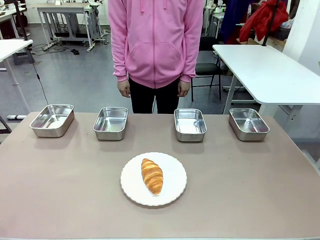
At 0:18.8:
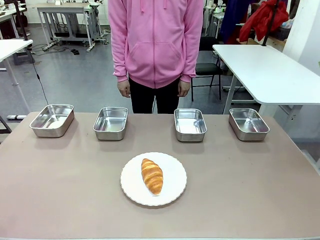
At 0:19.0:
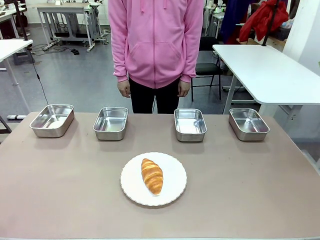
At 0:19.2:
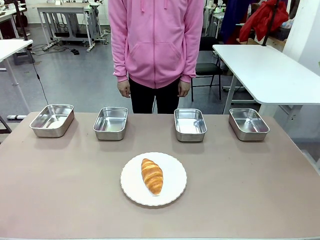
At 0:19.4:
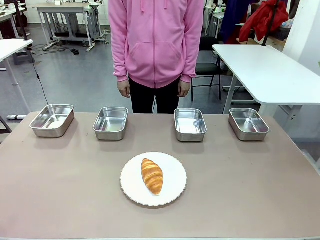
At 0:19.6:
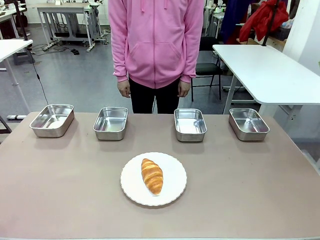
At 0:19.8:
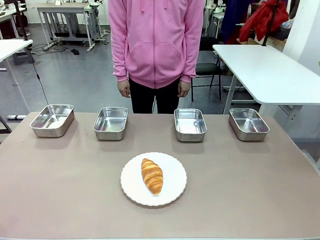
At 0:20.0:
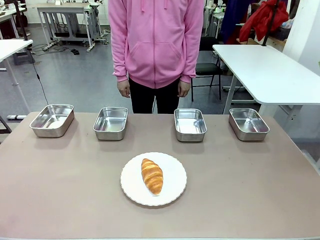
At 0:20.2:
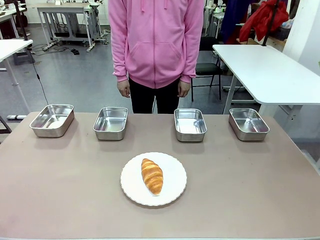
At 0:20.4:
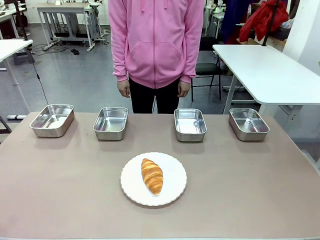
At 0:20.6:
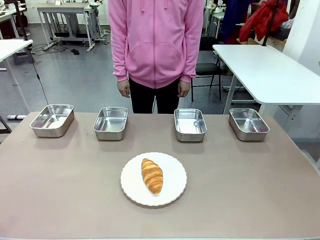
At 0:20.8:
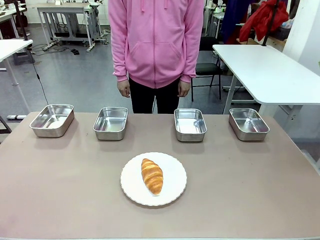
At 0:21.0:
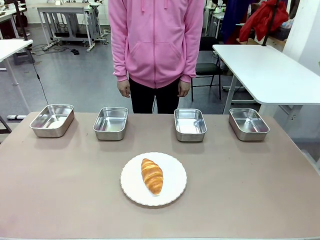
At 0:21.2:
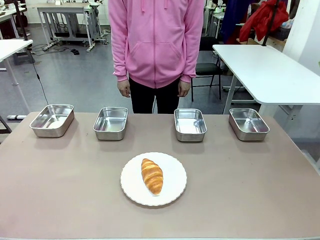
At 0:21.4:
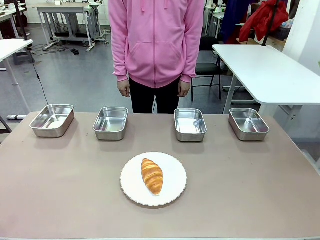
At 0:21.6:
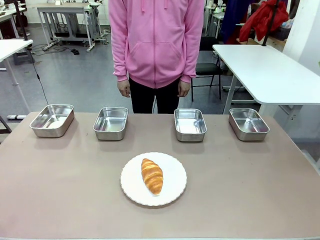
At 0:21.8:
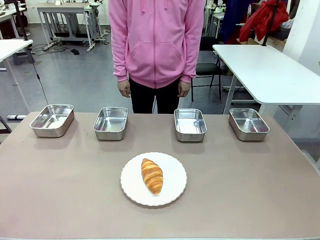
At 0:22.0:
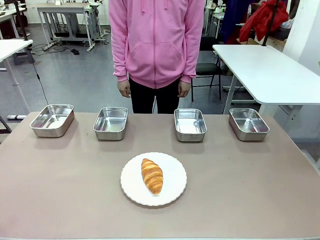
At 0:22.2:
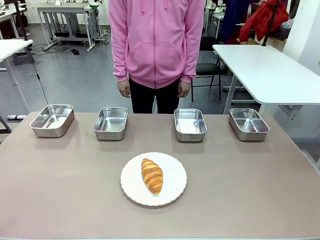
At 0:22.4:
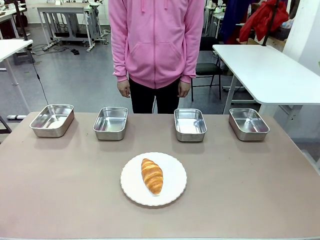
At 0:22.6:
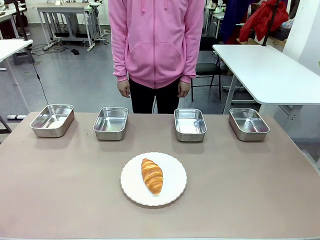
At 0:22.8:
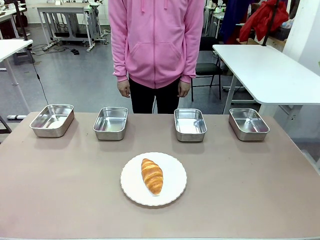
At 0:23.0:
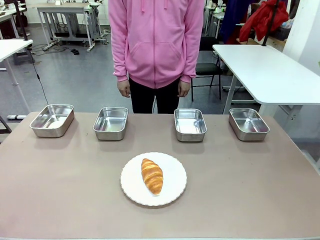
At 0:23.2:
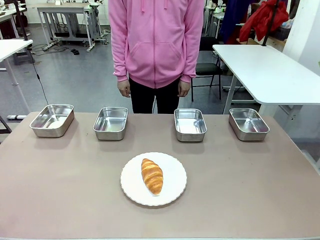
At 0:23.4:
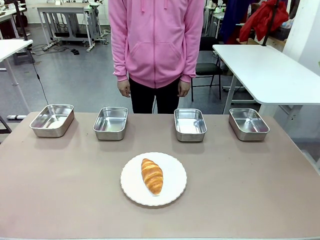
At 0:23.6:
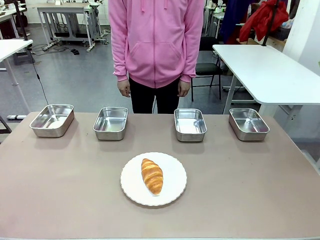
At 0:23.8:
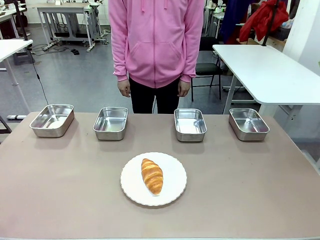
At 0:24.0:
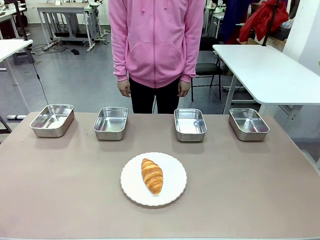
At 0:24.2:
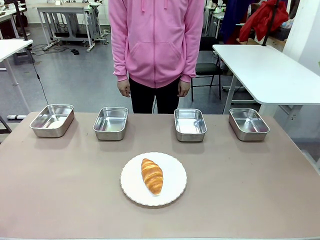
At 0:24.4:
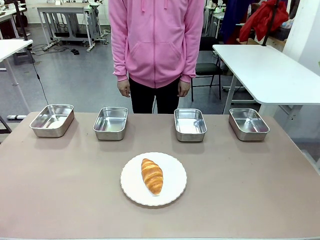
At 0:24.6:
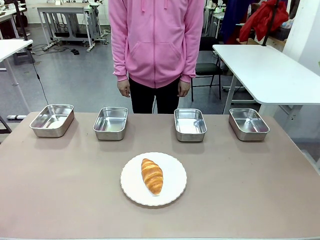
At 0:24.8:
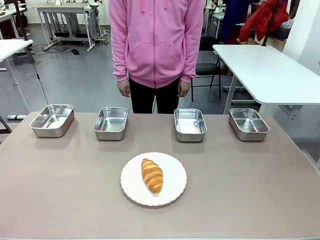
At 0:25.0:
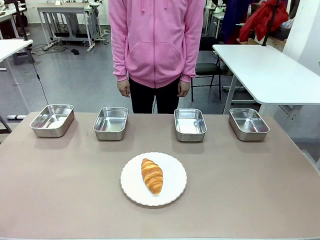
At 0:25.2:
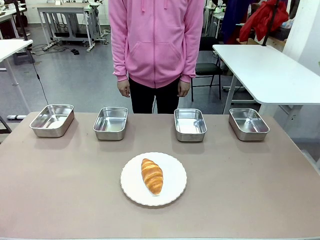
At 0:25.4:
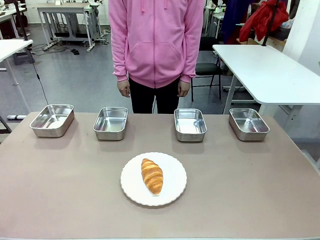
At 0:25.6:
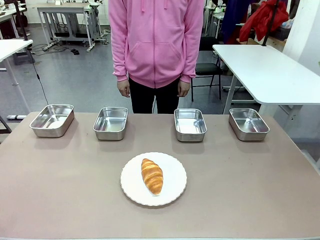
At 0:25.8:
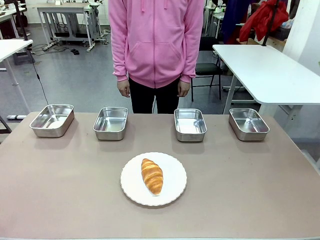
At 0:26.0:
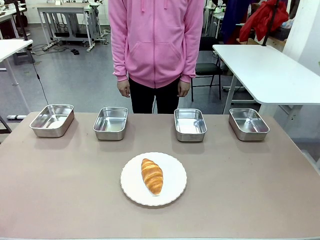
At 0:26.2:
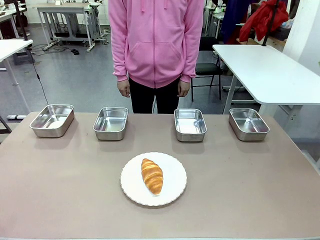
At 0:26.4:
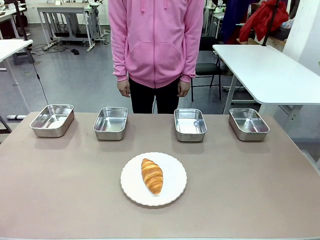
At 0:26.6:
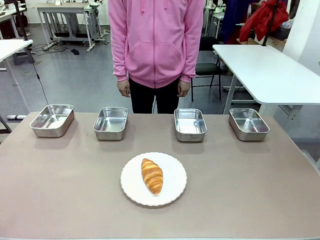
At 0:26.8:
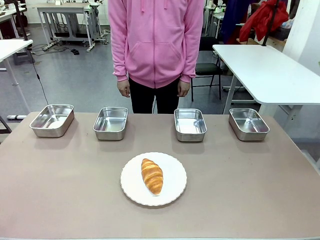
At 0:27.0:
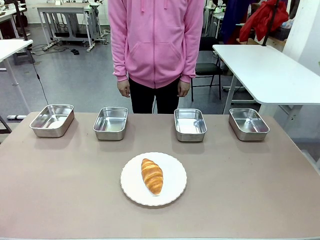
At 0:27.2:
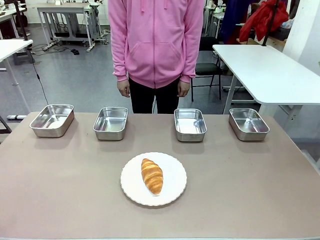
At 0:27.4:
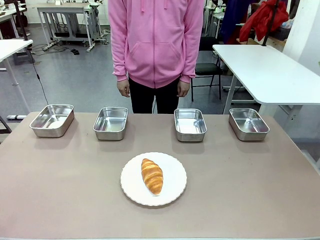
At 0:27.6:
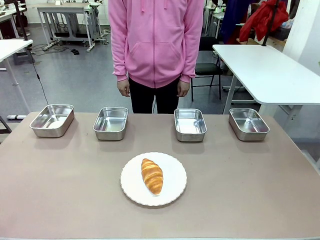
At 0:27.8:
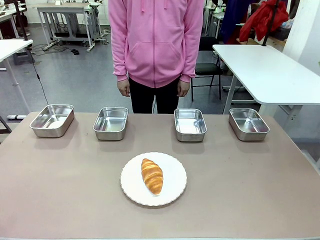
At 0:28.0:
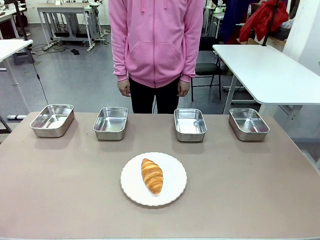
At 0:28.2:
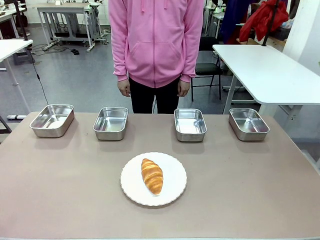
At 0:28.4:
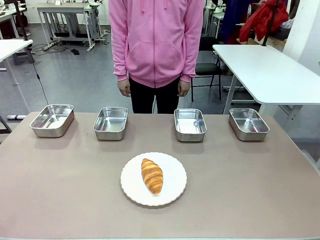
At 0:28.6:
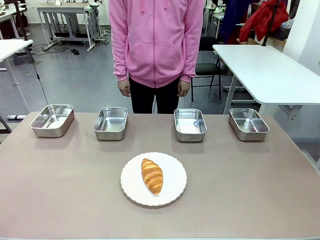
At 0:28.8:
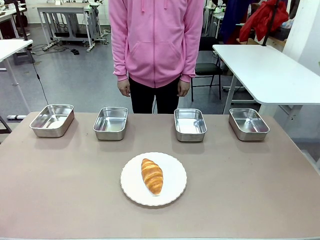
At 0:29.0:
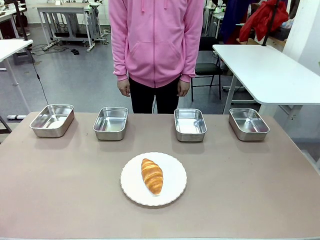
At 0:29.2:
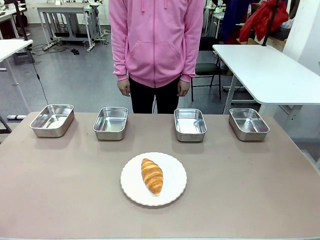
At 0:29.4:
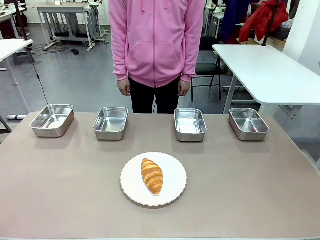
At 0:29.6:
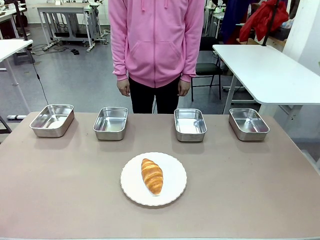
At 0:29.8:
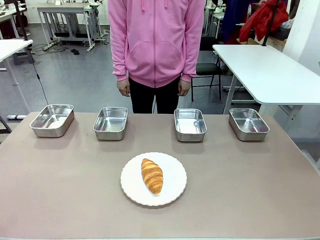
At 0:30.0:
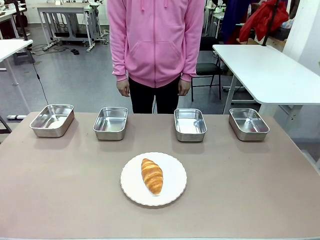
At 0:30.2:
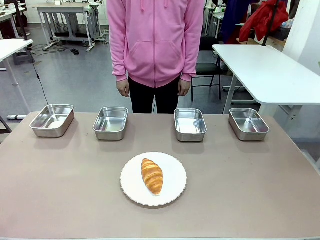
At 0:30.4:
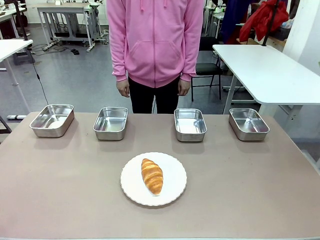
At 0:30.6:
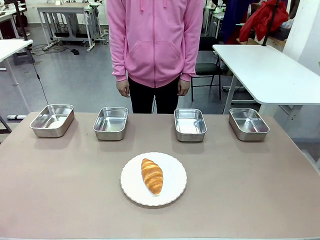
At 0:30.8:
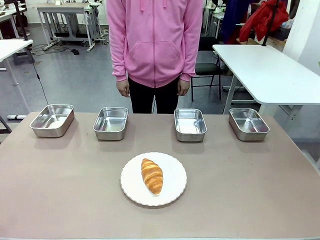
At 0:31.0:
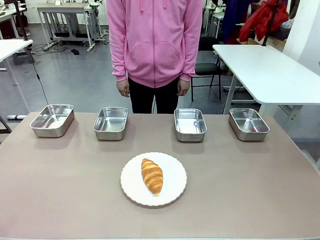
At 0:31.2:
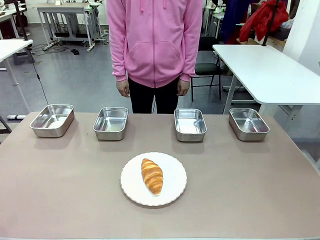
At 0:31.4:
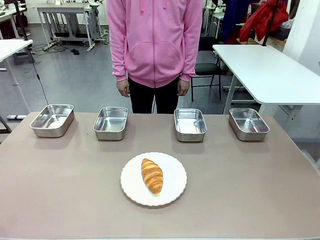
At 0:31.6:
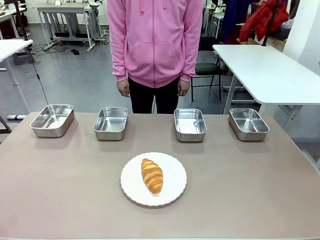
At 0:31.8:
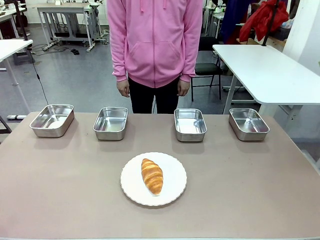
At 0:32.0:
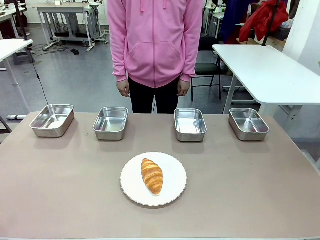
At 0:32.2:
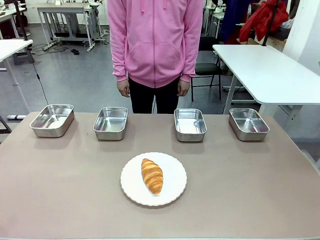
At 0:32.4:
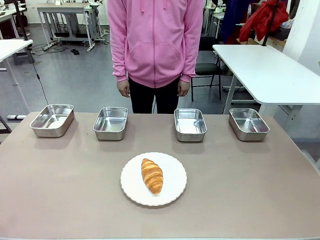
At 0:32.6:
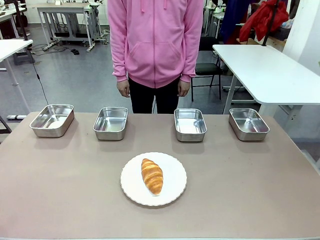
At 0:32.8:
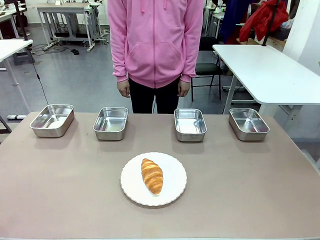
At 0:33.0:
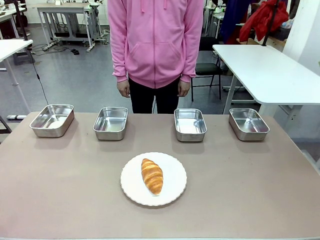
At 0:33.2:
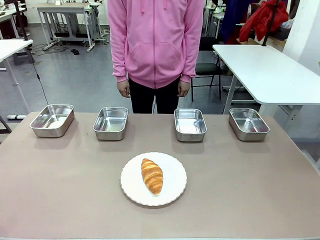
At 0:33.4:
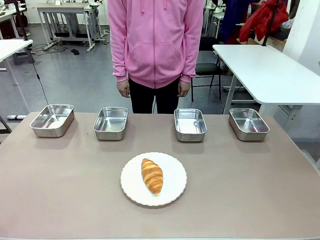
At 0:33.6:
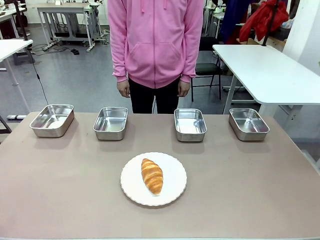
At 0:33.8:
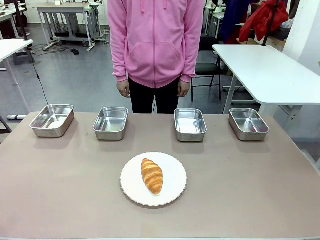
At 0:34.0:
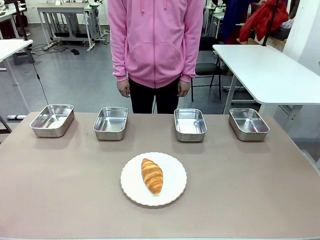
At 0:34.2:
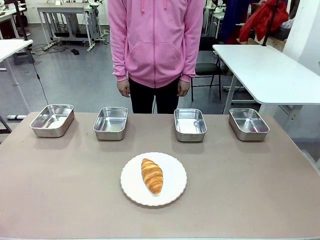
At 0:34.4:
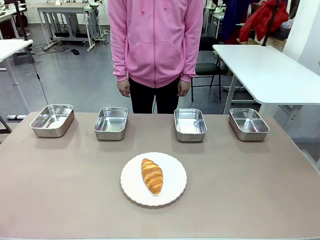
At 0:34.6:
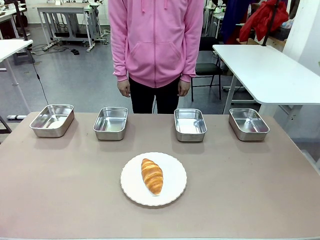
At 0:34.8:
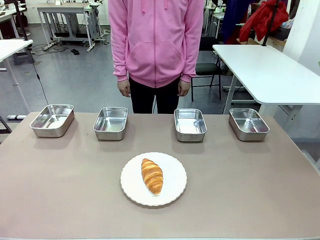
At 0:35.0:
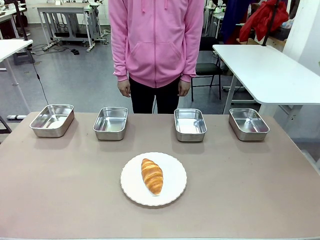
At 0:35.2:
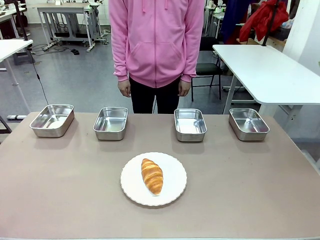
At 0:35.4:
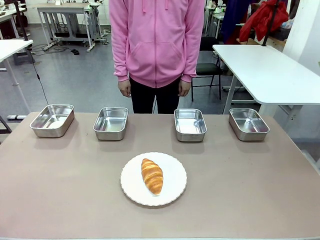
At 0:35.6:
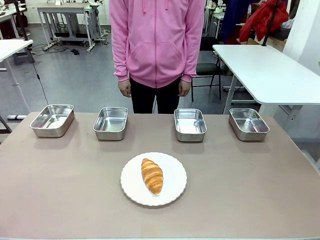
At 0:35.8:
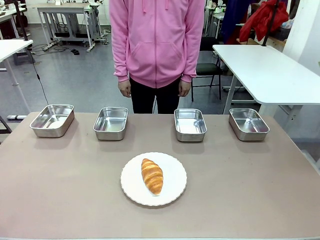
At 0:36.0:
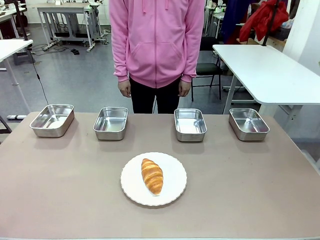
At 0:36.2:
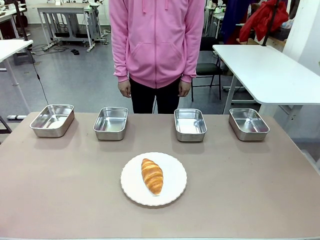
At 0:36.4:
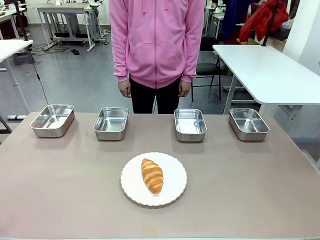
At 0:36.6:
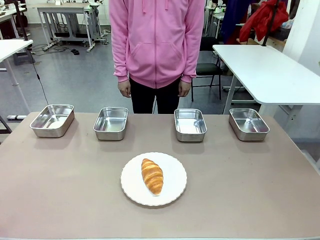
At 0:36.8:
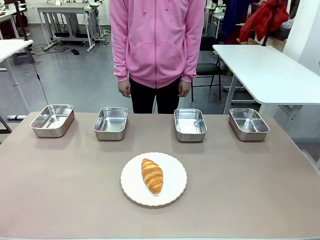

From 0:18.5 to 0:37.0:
Task: Place the bread in the container.
Robot: Place the Butter Roll into the Airtight Container indicated by the human.
